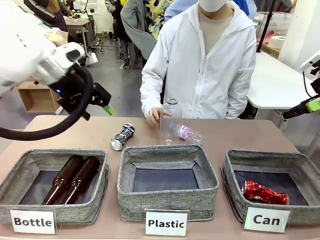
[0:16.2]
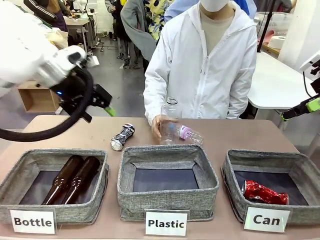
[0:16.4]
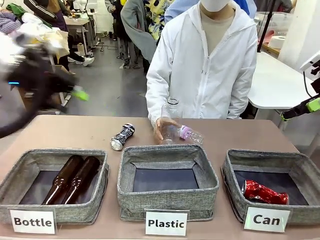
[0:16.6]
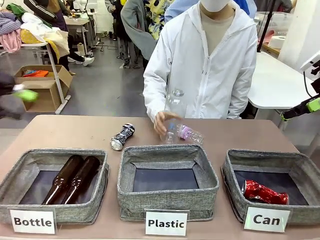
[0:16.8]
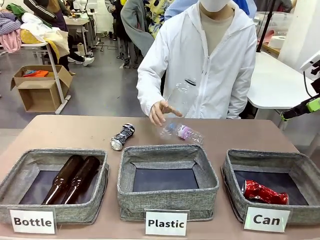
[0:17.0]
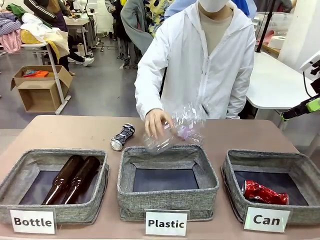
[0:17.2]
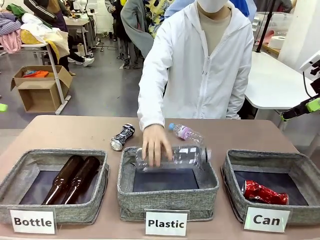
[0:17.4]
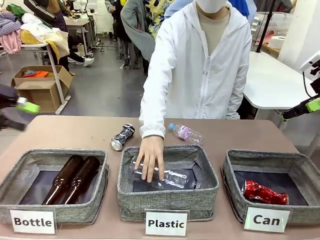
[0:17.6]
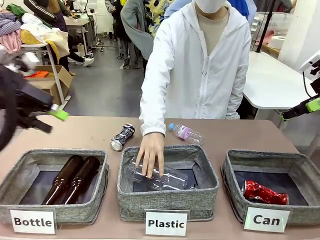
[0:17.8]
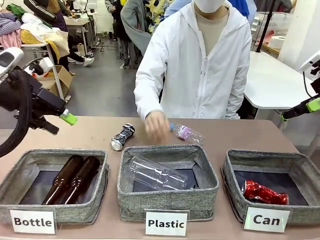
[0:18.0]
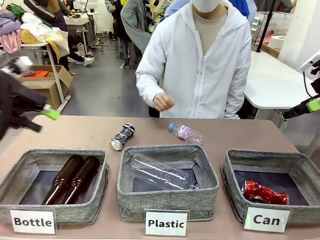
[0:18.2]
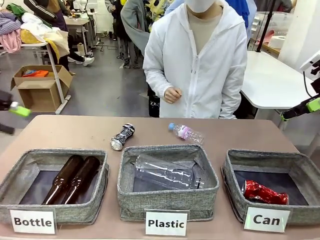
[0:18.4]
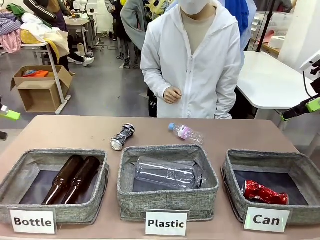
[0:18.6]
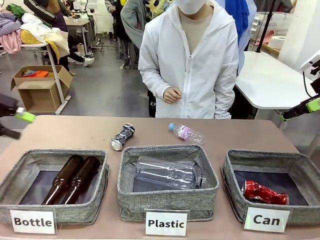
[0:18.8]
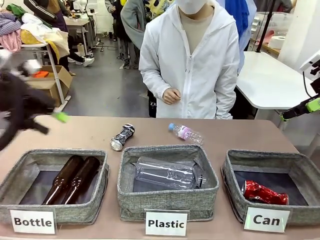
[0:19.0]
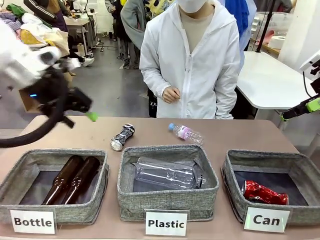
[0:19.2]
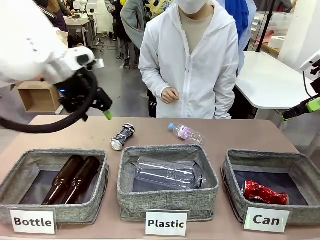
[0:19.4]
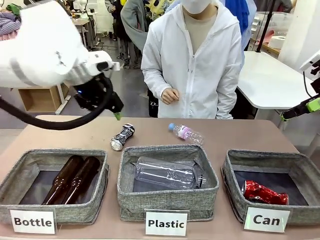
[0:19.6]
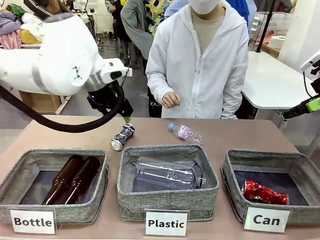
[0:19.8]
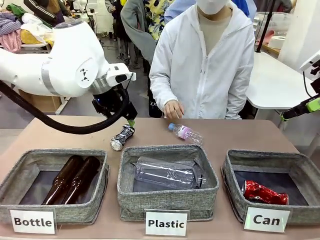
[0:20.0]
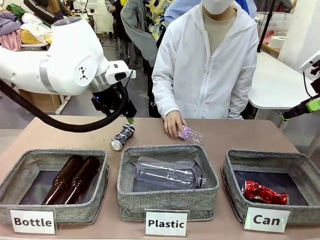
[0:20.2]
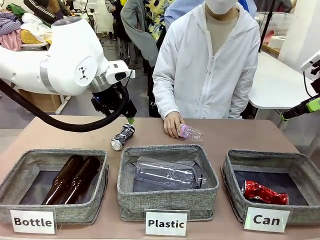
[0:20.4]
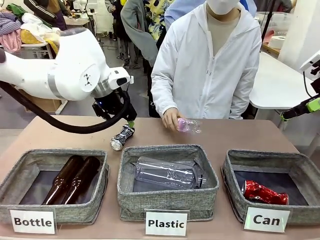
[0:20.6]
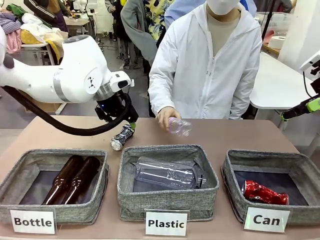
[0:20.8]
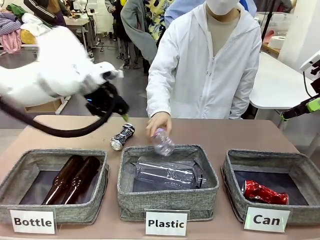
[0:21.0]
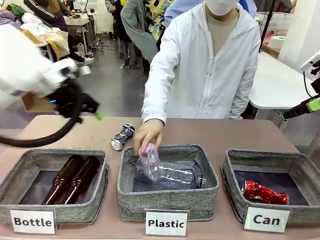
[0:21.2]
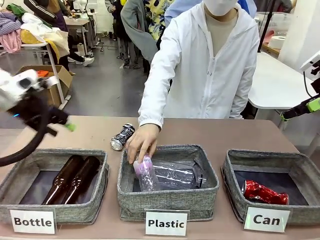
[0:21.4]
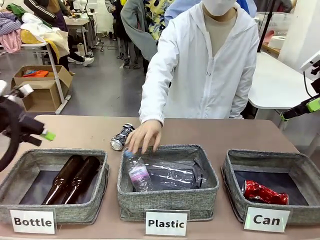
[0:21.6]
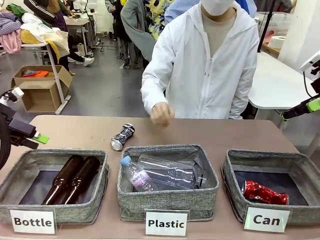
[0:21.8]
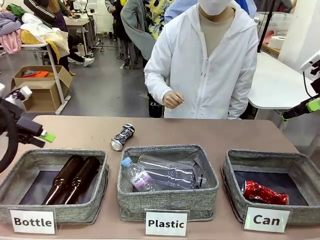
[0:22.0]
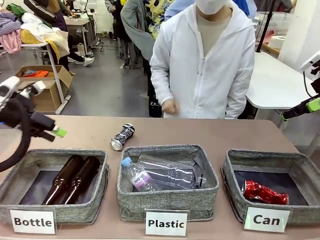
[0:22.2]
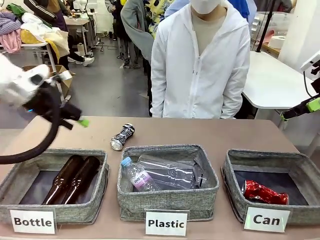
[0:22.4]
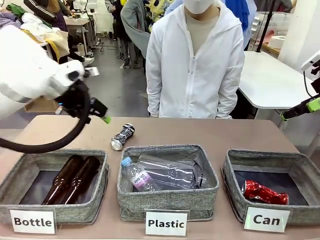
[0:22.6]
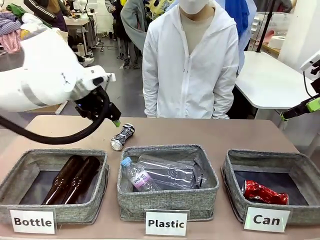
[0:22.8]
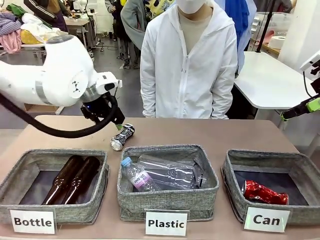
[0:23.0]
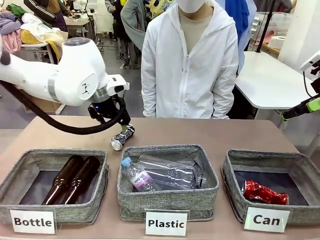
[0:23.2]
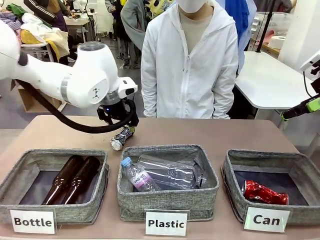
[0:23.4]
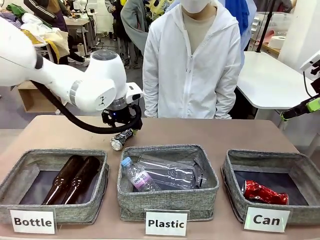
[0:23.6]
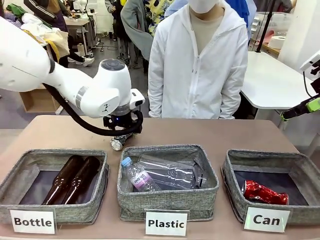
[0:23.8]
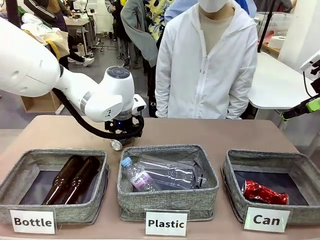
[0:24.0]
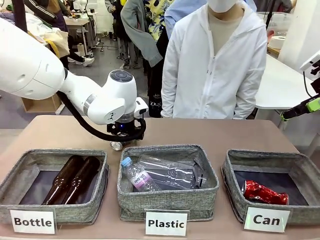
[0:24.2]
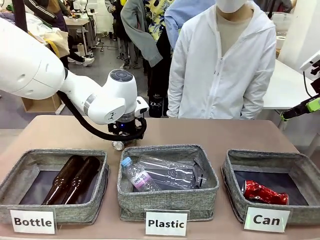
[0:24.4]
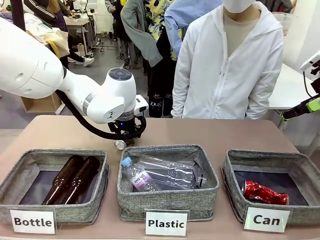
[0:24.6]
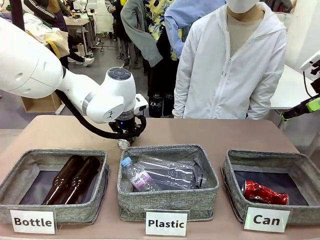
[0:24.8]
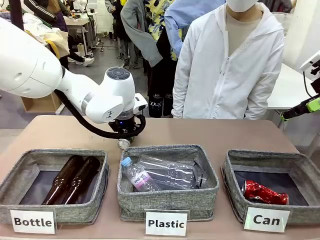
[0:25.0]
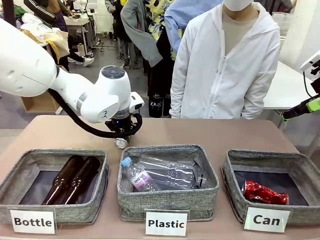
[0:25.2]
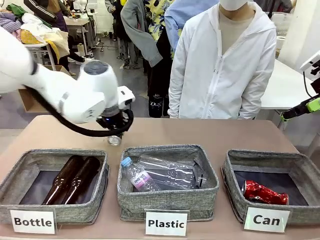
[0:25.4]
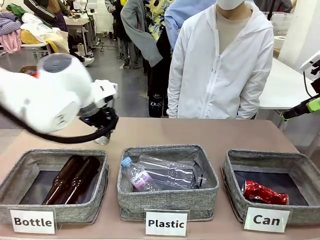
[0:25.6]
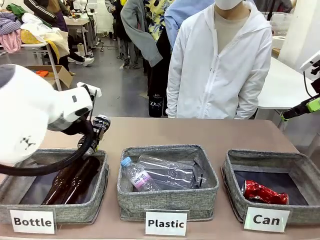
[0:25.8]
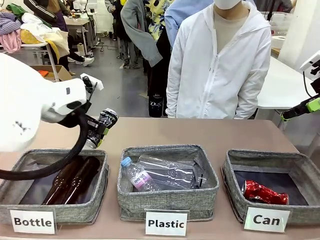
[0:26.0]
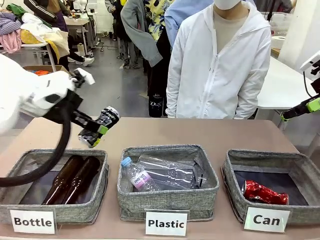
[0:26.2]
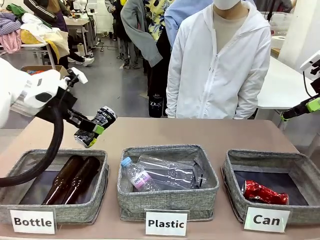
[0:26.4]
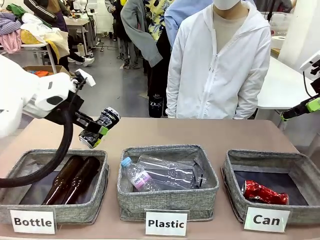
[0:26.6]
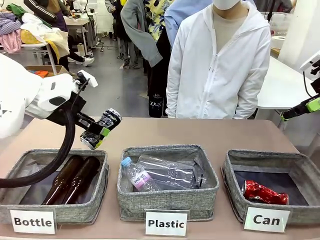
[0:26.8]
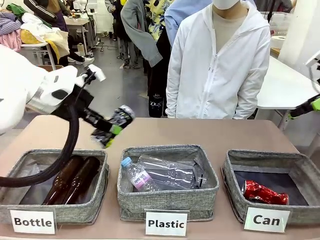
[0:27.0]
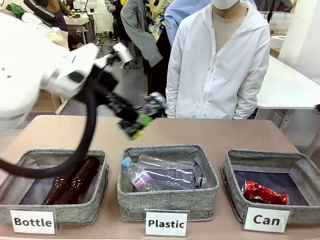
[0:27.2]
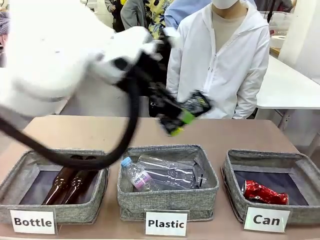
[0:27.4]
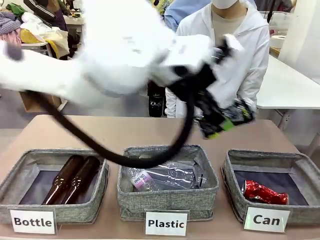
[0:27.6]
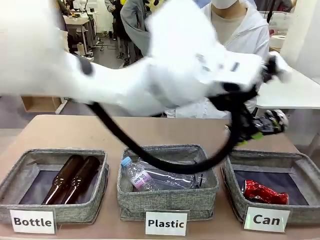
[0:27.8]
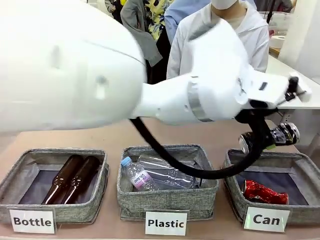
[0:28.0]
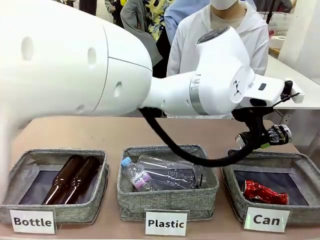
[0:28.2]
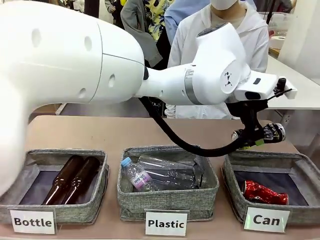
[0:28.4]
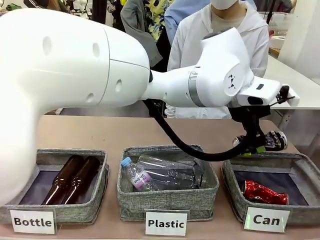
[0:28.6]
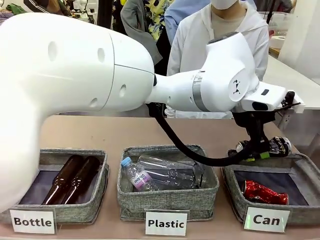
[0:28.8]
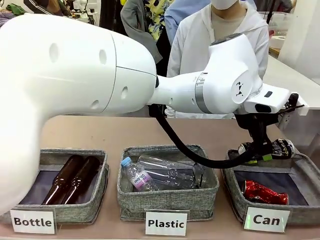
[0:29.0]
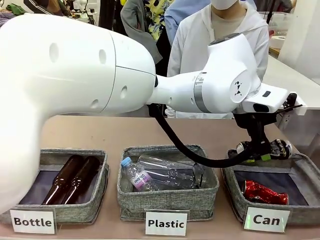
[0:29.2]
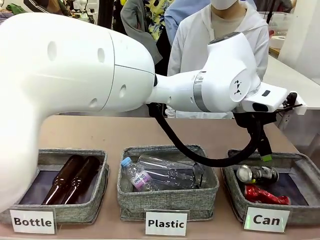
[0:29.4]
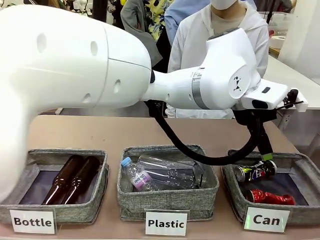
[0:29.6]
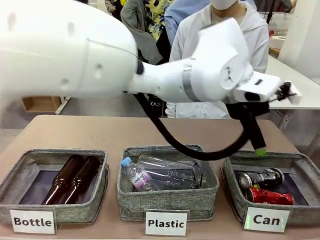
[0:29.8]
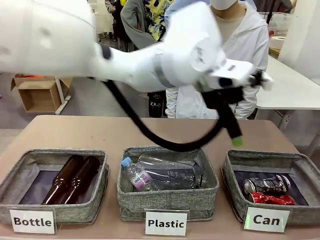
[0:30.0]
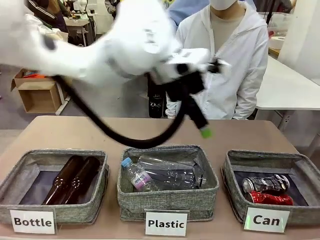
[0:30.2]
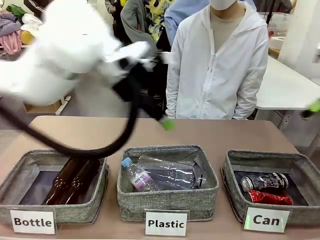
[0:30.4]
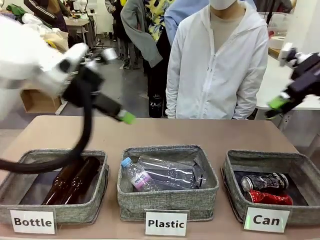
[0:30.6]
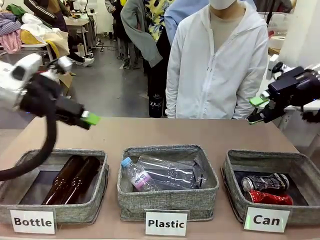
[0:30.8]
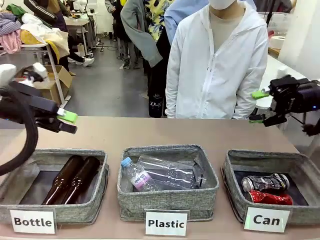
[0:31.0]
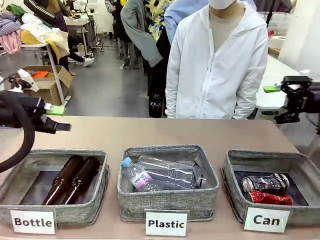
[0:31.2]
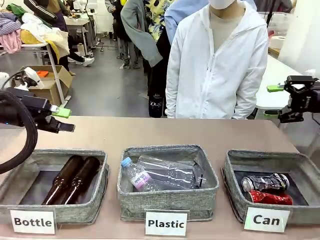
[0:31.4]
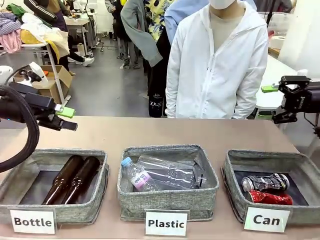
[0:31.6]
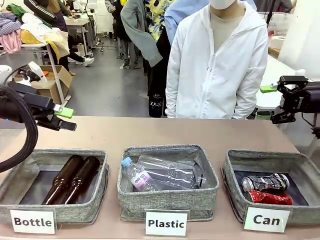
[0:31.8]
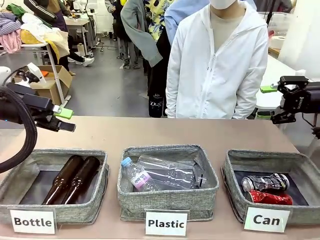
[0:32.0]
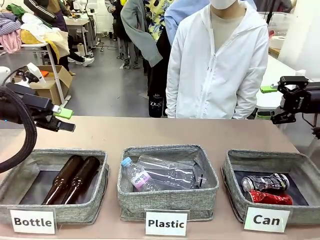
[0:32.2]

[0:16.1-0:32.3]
Task: Sort the can waste into the basket.
Robot: Pick up the can waste from the table and place it in the right Fabric basket.
Person: The human picks up one piece of trash that is not a can and places the trash into the appropriate organizing basket.
